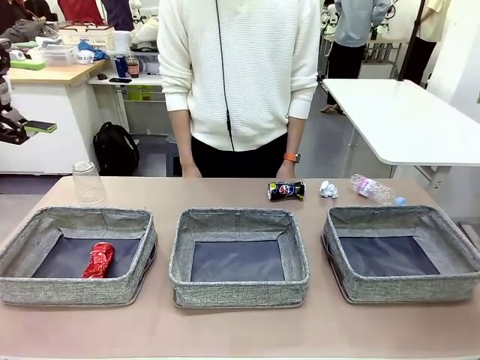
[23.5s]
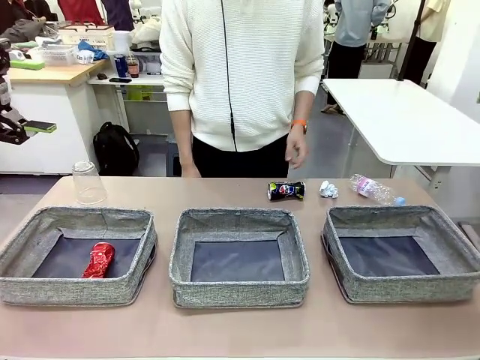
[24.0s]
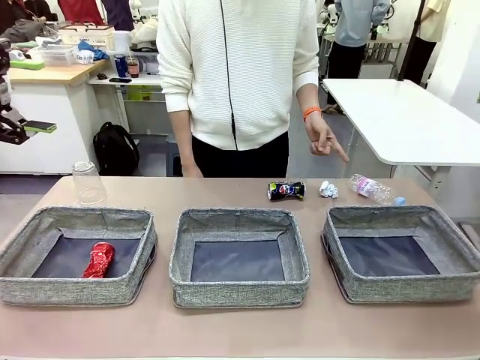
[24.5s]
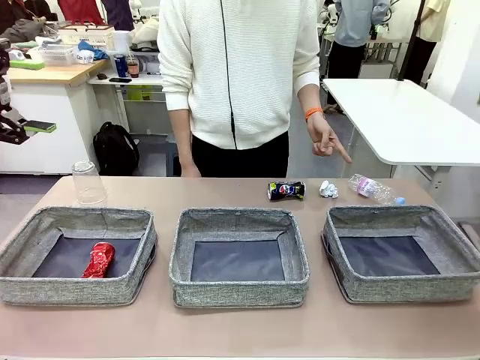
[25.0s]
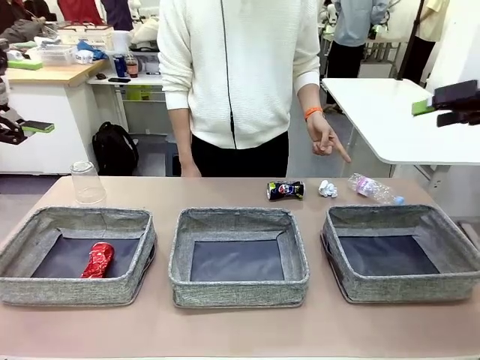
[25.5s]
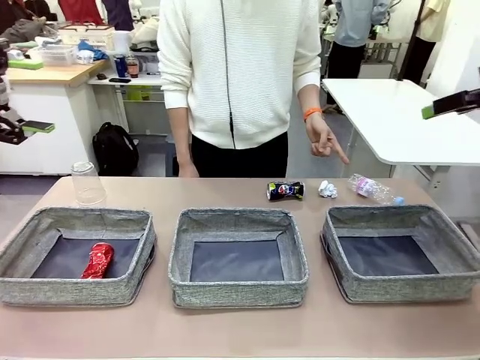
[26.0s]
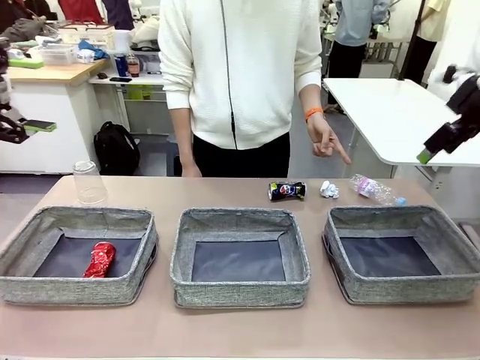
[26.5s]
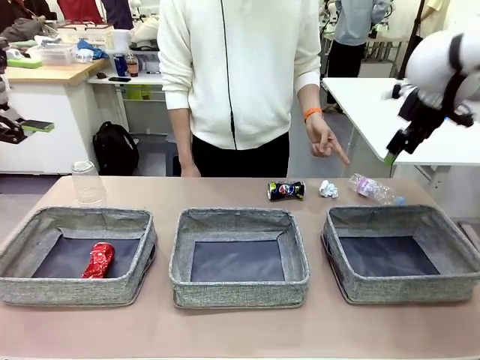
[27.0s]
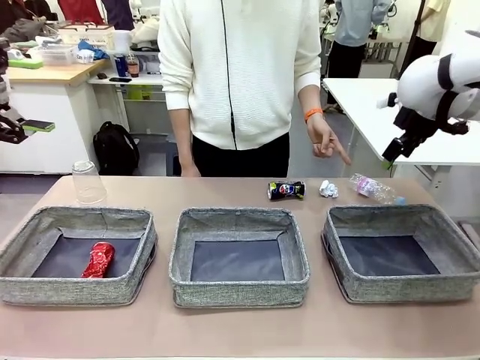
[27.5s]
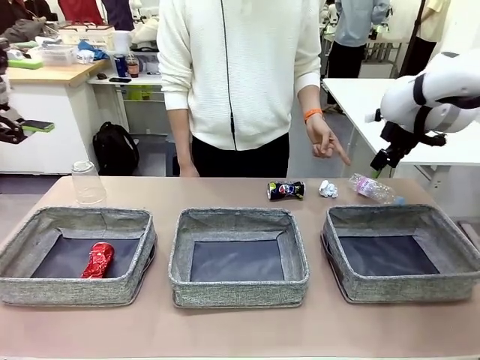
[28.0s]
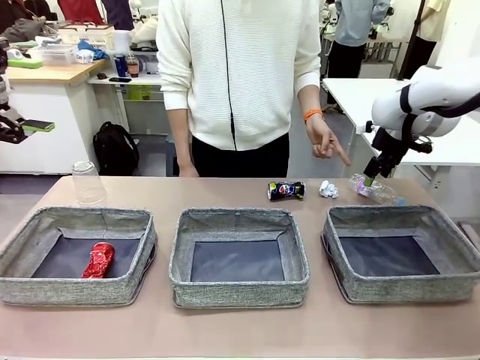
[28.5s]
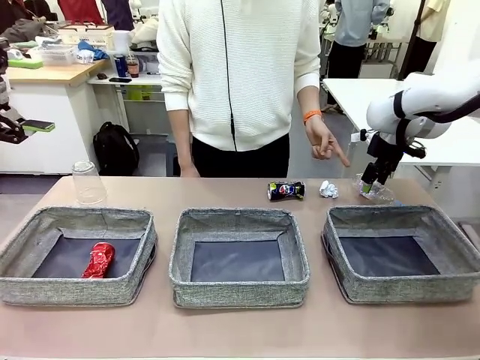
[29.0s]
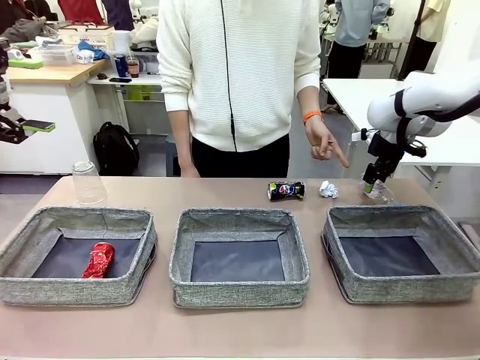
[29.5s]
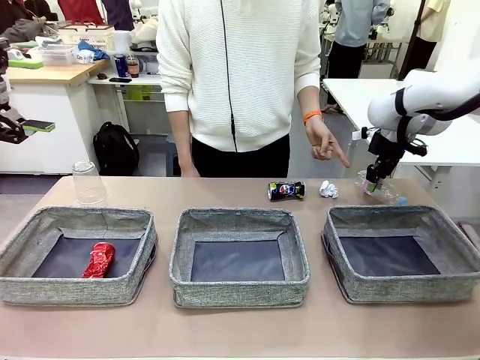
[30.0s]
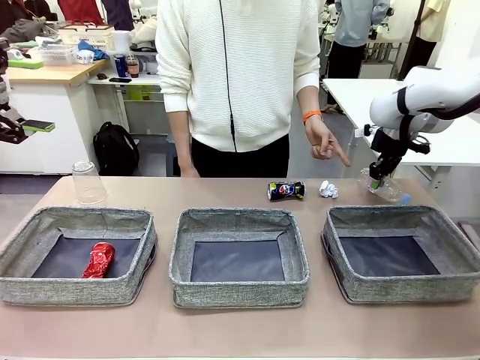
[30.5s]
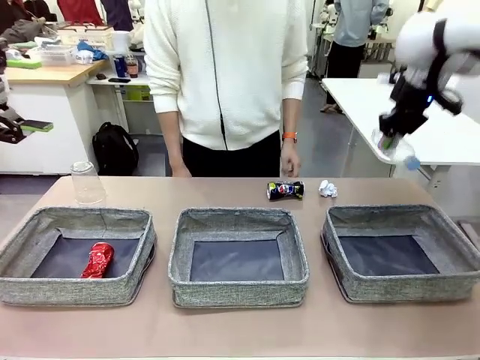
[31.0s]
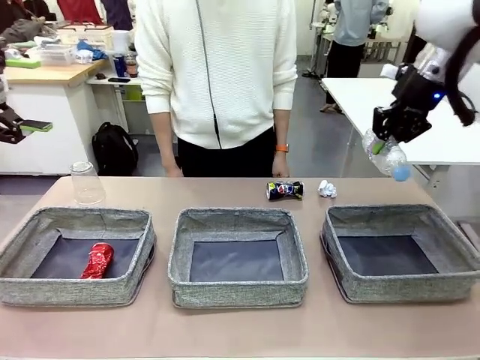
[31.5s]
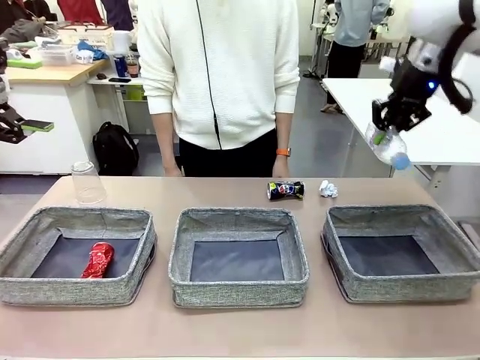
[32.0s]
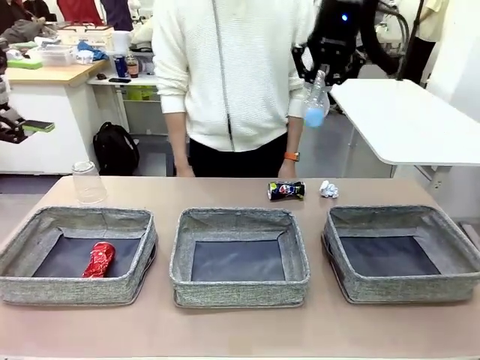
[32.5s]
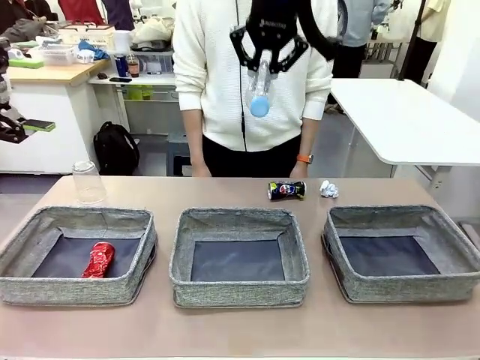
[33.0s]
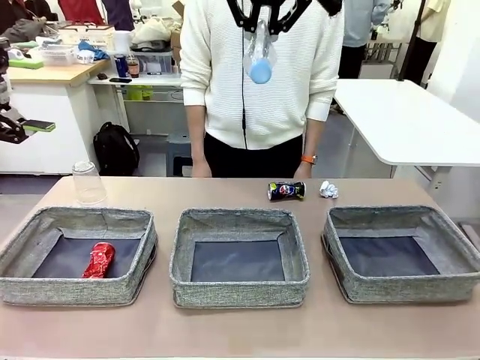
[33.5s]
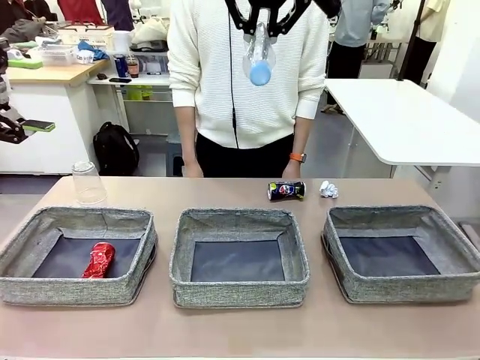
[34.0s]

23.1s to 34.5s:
Task: Sort the waste into the appropriate baskets.
Robot: Pick up the waste item pointed out by the person.
Person: Points to one piece of trash on the table.

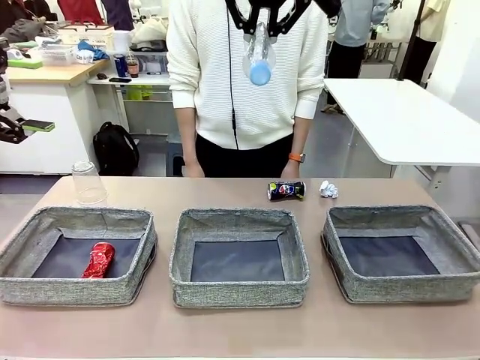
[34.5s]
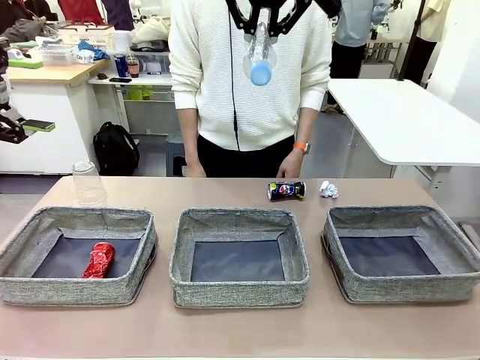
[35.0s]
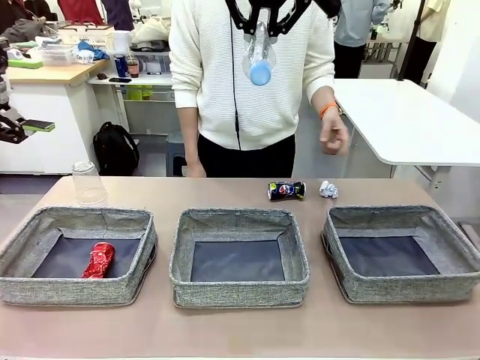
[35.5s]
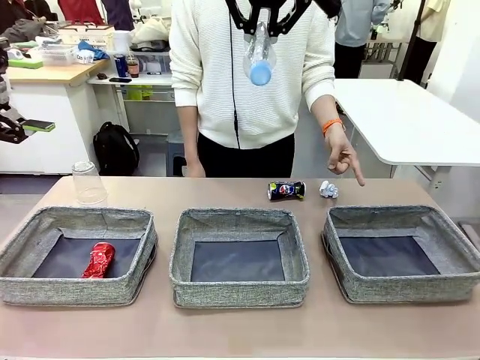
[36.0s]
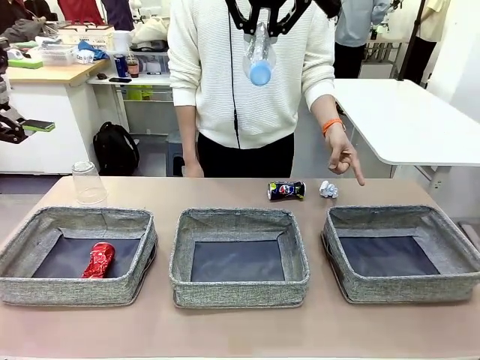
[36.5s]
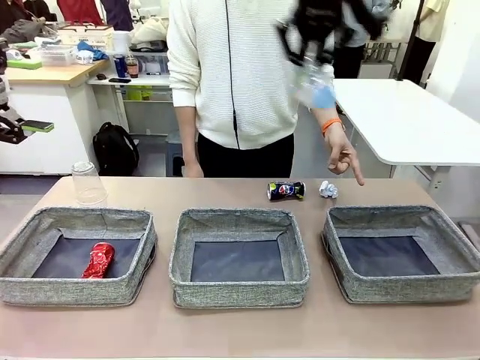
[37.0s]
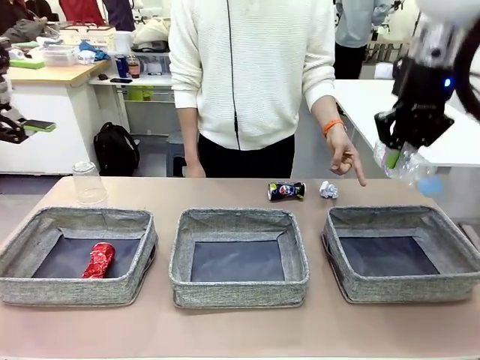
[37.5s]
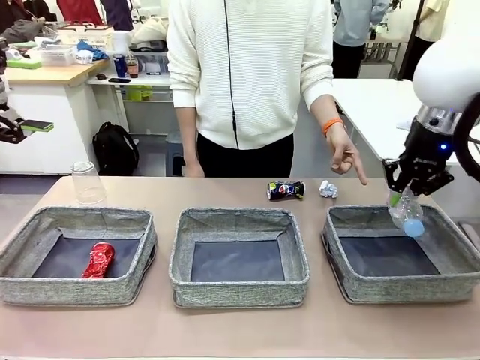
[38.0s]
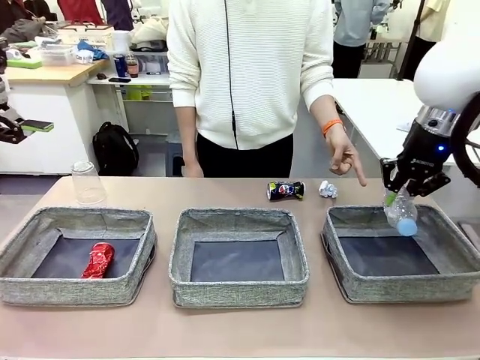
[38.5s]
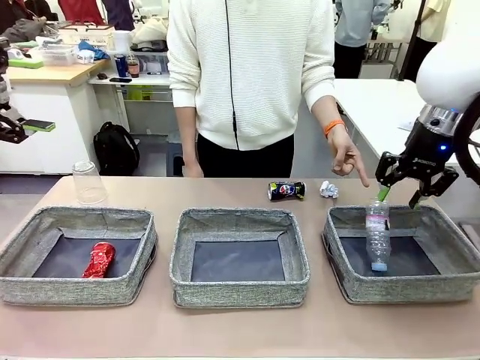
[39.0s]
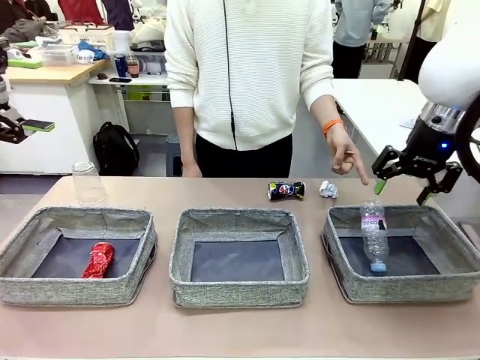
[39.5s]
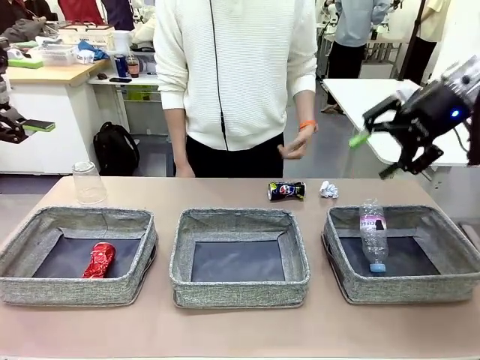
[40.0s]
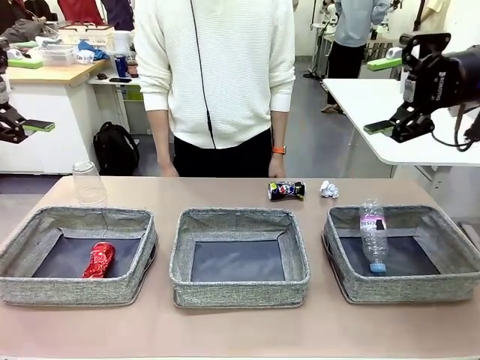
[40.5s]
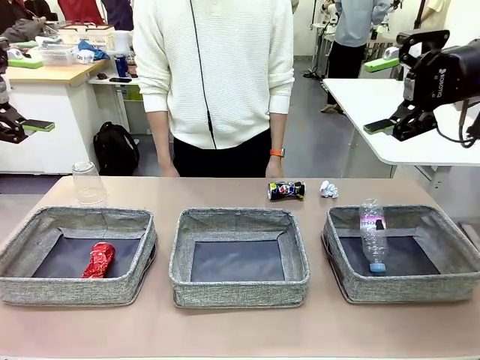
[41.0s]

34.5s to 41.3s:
Robot: Place the picked waste into the Fabric basket indicated by the person.
Person: Instructs the robot to place the picked-up trash into the appropriate organizing basket.

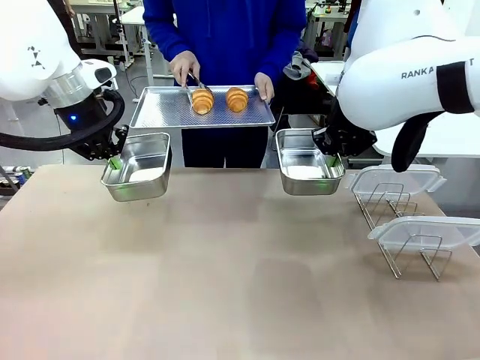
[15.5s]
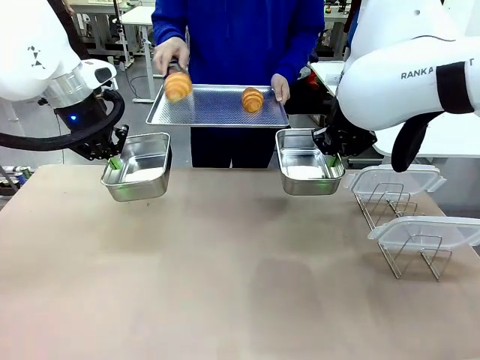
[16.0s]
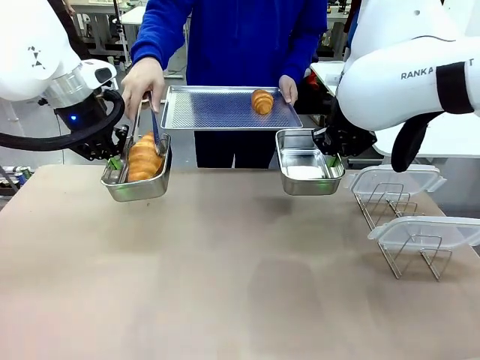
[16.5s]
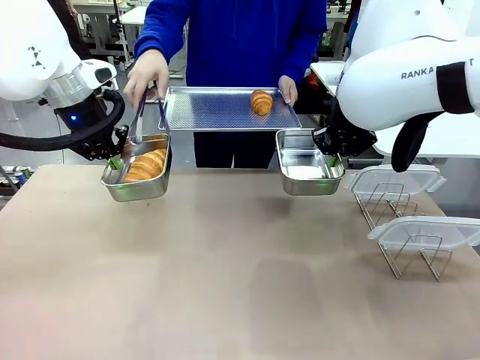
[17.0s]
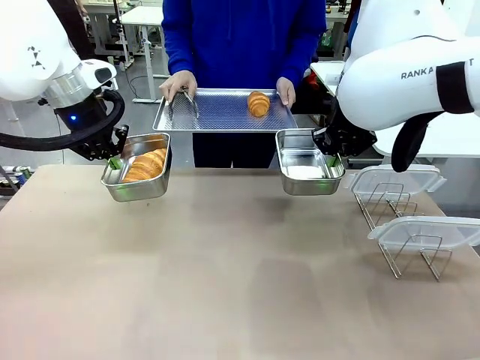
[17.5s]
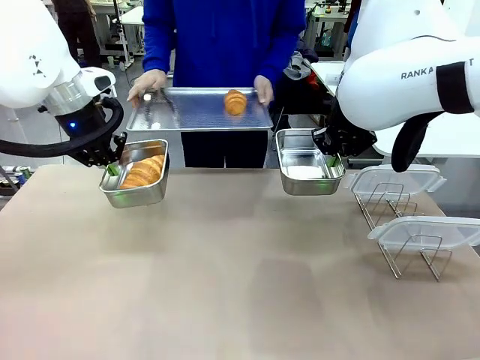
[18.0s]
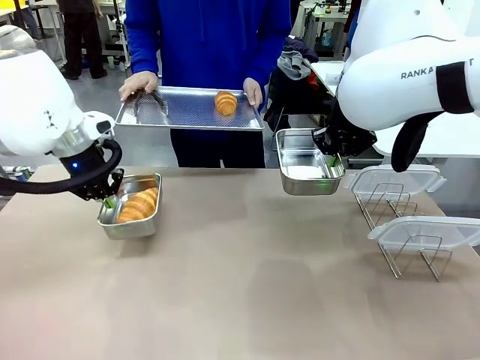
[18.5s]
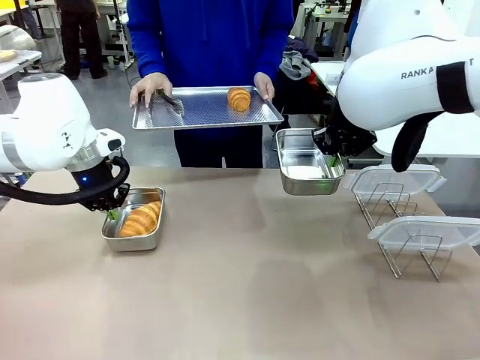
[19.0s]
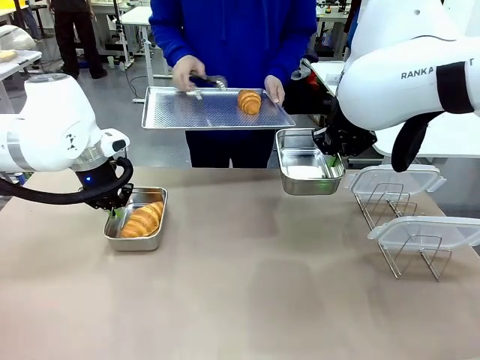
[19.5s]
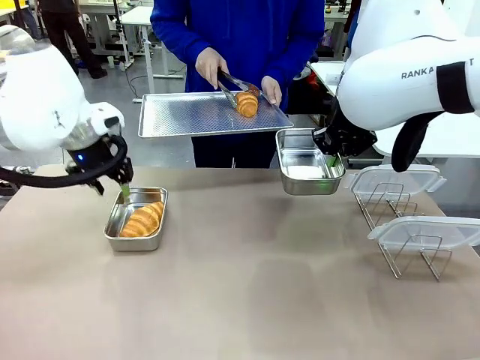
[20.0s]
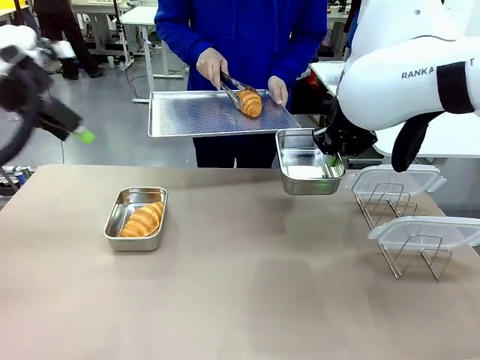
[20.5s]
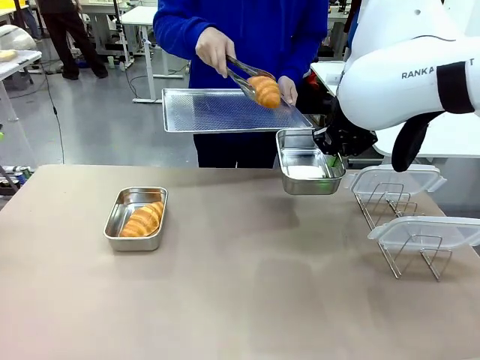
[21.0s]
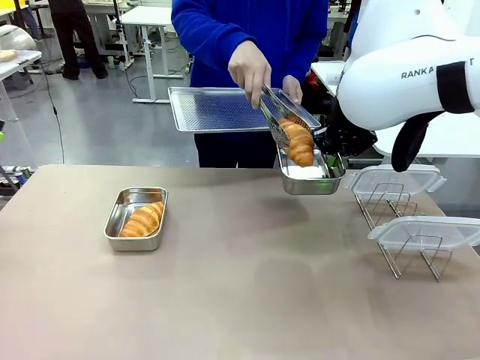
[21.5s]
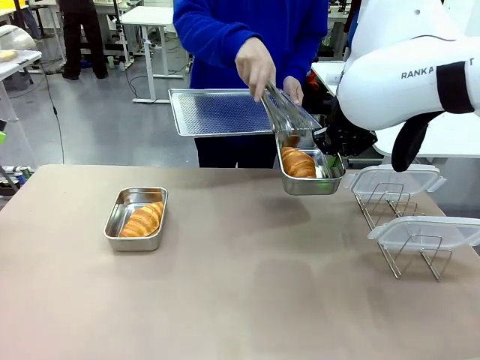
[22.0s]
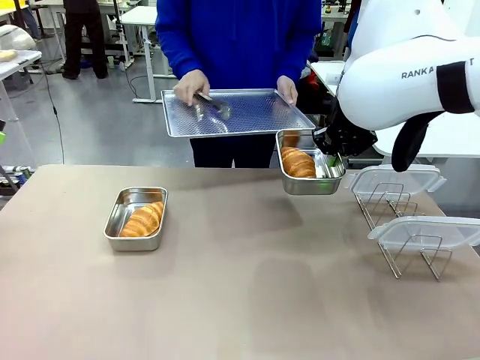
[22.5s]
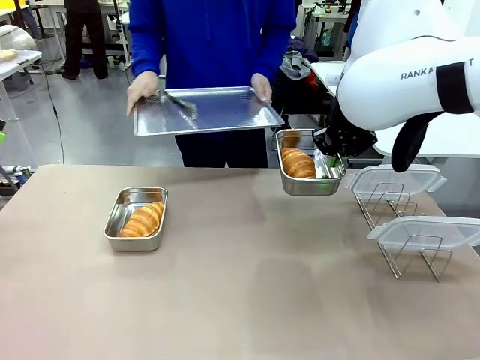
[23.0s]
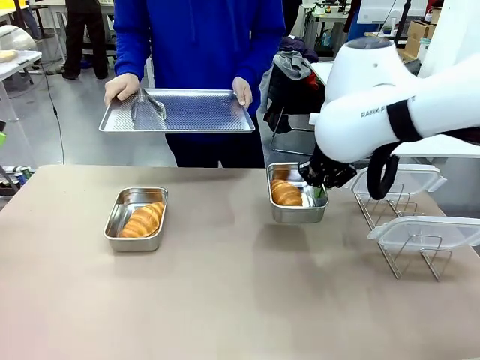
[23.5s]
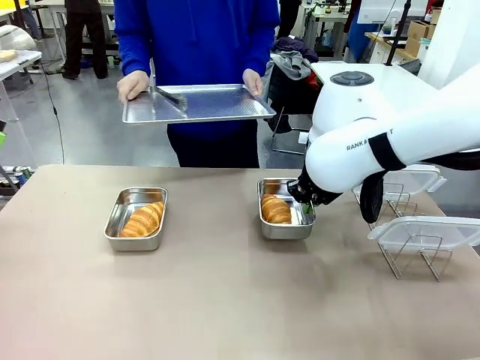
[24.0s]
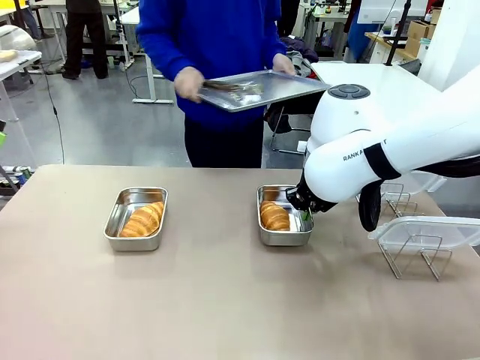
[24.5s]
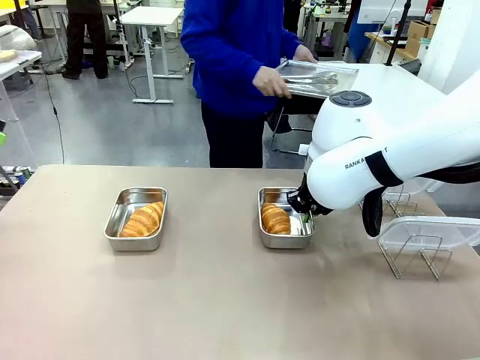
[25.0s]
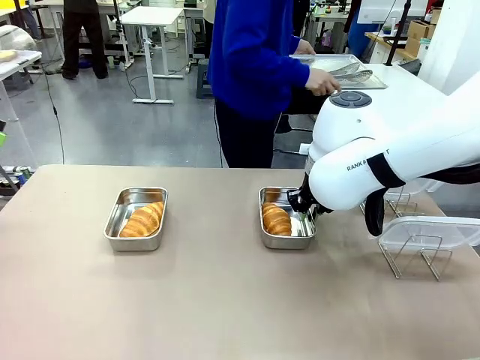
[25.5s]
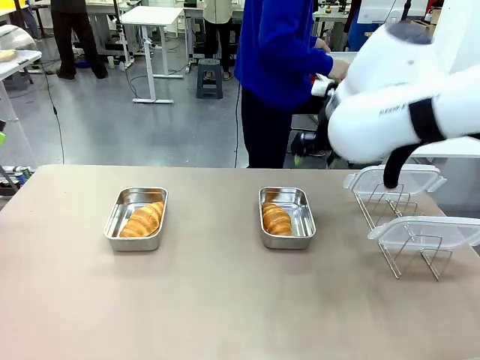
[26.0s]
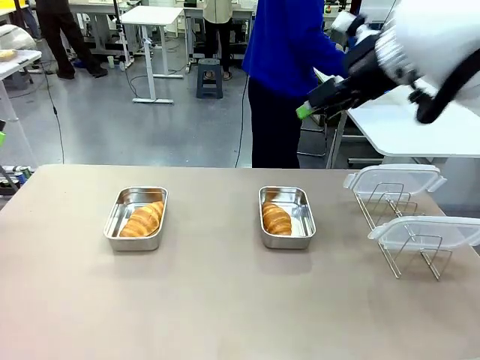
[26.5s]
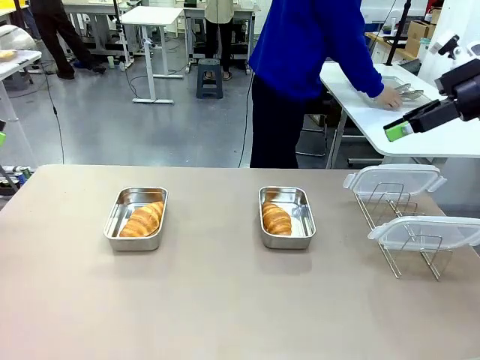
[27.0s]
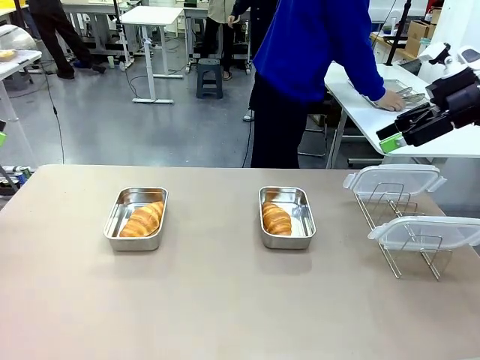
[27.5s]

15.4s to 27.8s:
Task: Place the bread in airtight containers.
Robot: Once an object is inside an Airtight Container , place the container in the center of the table.
Person: Use the Stainless steel tongs to place one object from Baking Sheet into one Airtight Container. Place Baking Sheet on the Human's Table.
